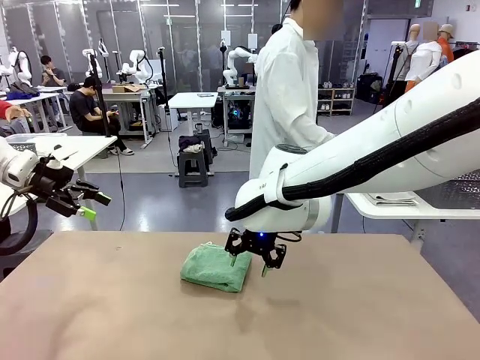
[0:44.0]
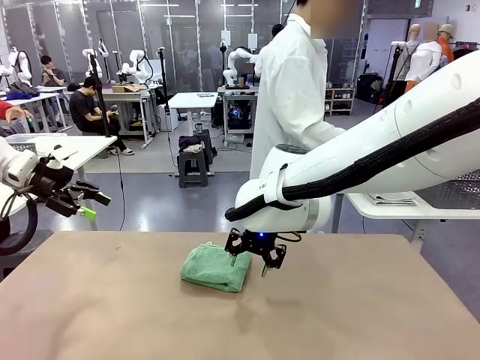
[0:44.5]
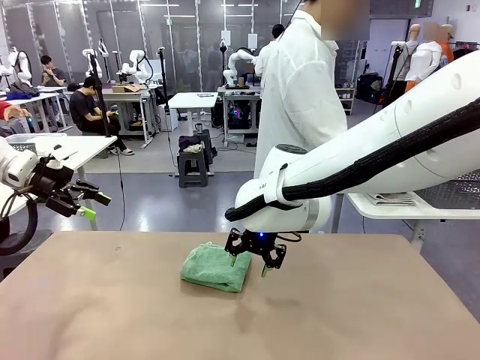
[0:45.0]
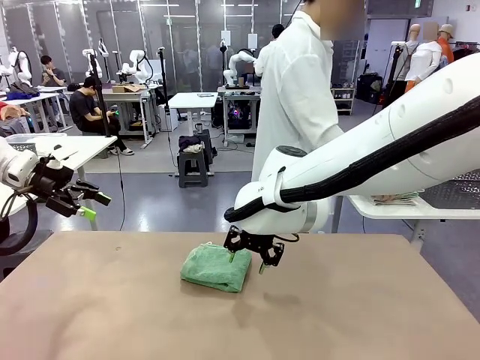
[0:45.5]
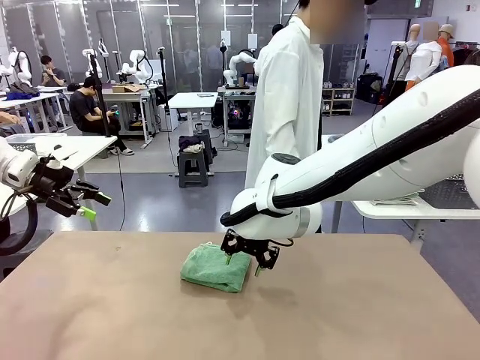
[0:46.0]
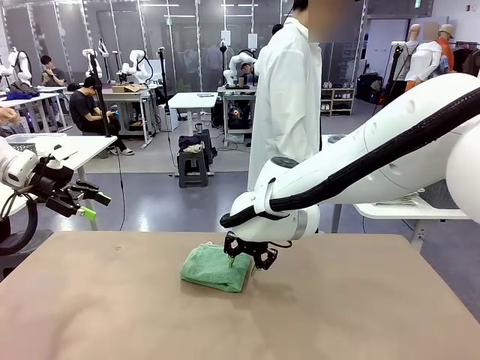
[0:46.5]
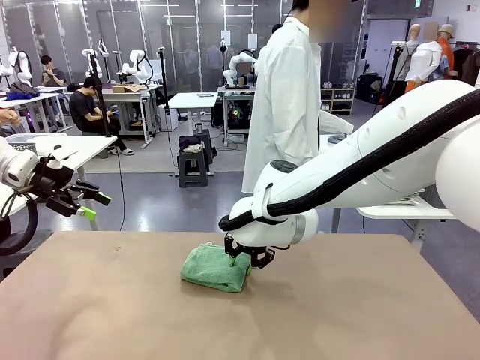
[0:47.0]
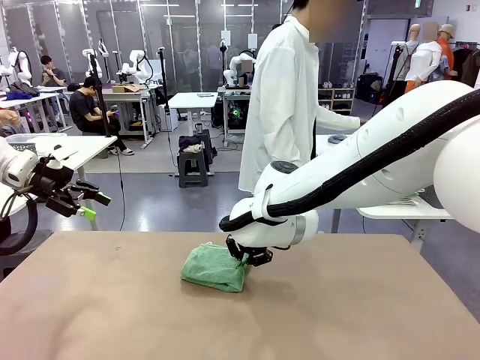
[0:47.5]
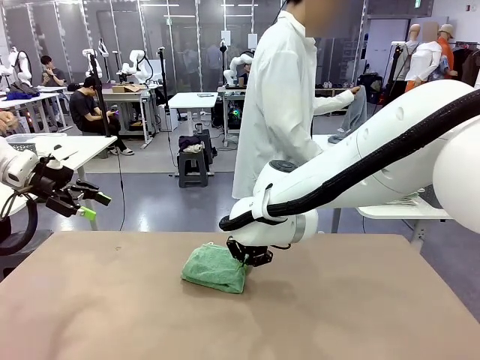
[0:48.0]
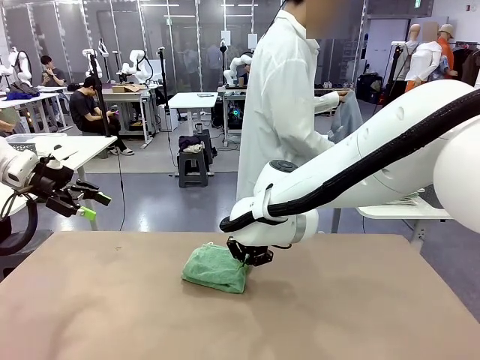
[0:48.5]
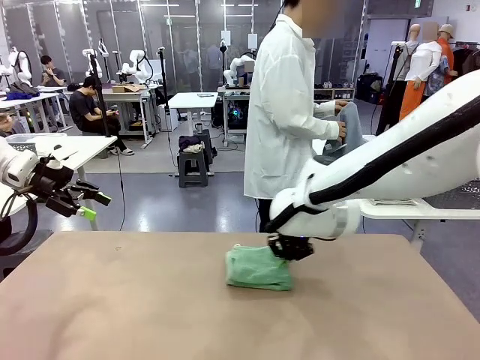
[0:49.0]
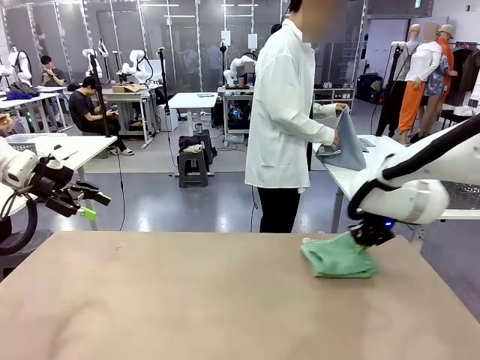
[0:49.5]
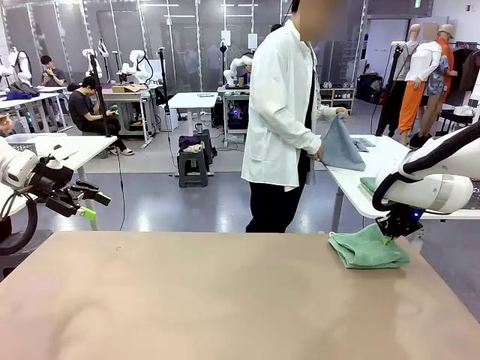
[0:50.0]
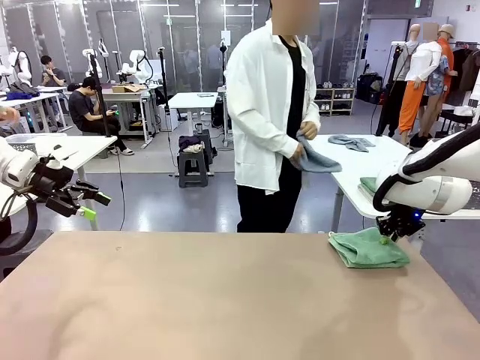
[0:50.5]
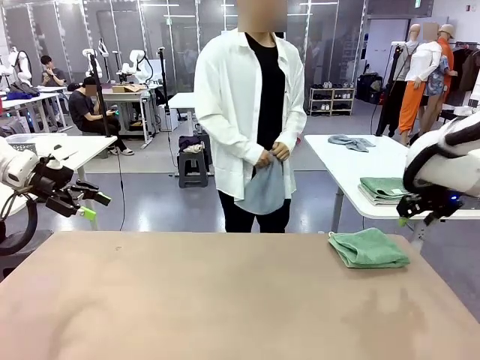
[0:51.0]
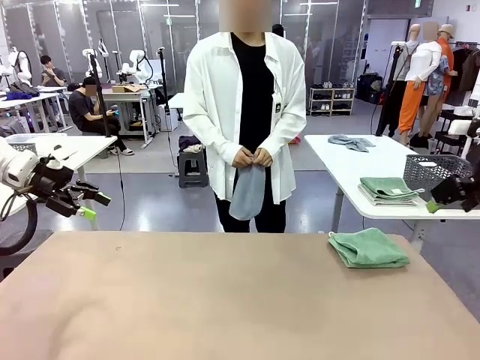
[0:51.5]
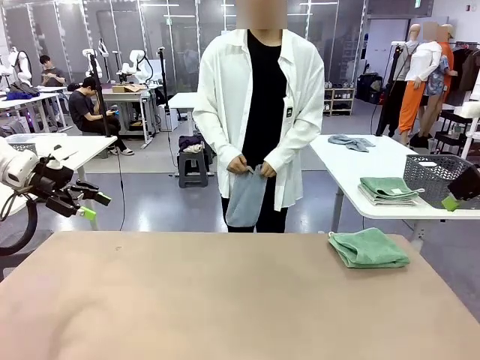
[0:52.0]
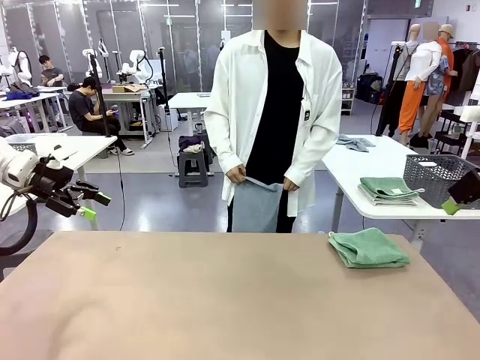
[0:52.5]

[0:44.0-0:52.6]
Task: Fold the towels and place them in the basket.
Robot: Place the folded Towel with hook on the right side of the table.
Person: Pick up one towel from the left side of the human table and spread it out at the center of the robot table.

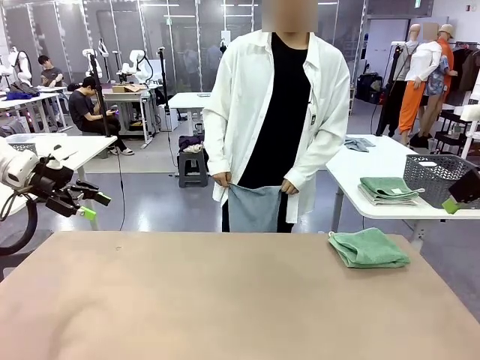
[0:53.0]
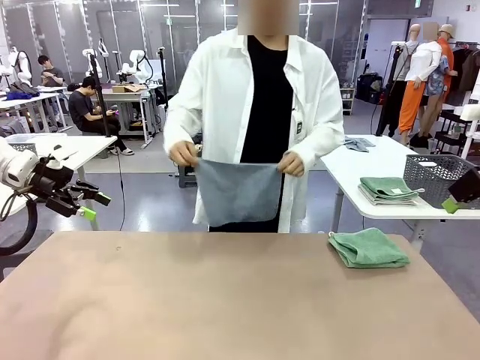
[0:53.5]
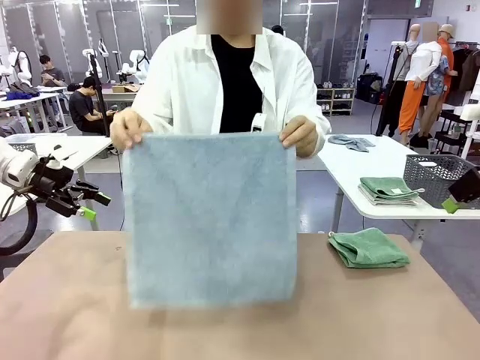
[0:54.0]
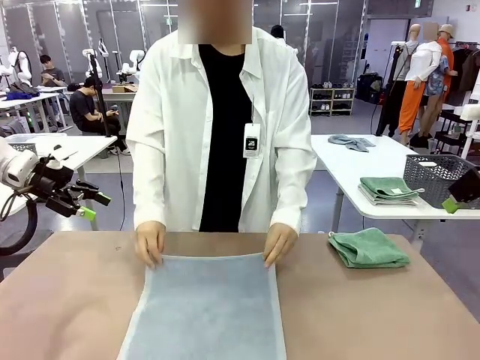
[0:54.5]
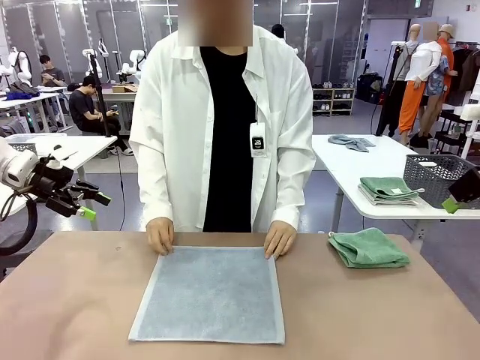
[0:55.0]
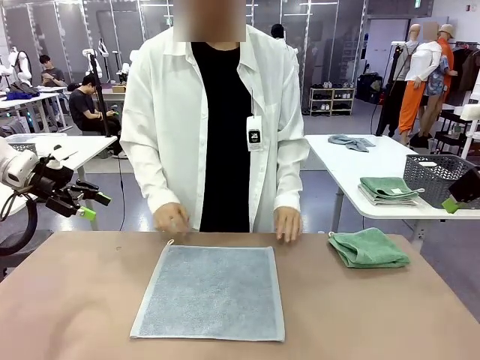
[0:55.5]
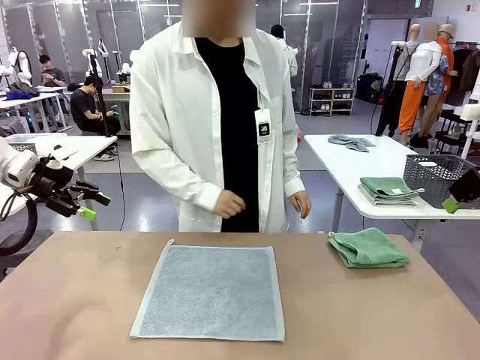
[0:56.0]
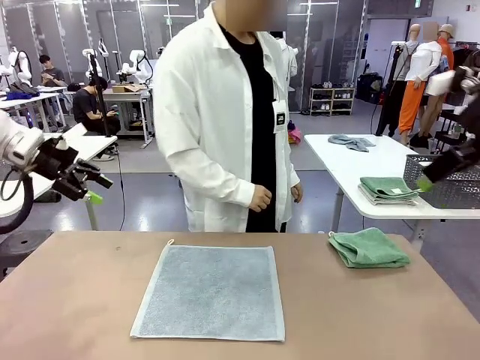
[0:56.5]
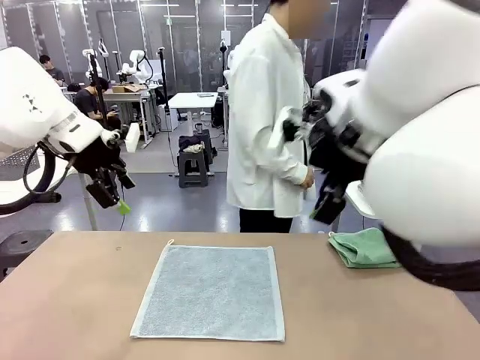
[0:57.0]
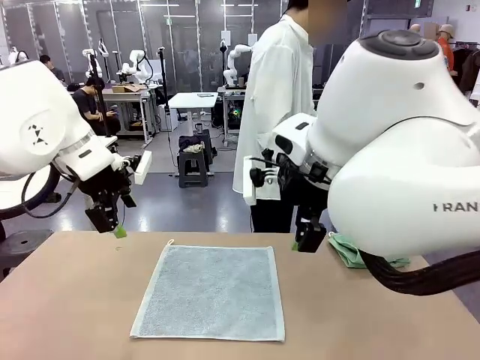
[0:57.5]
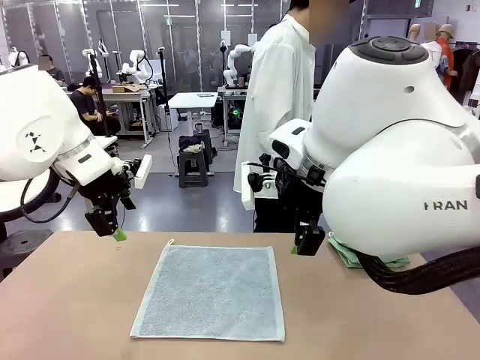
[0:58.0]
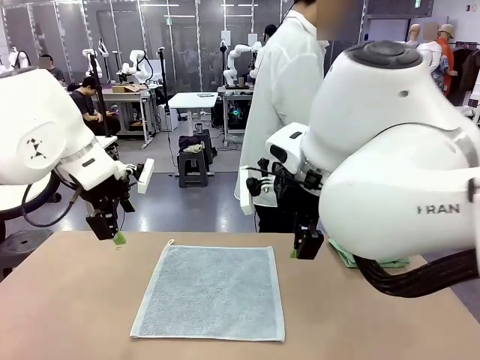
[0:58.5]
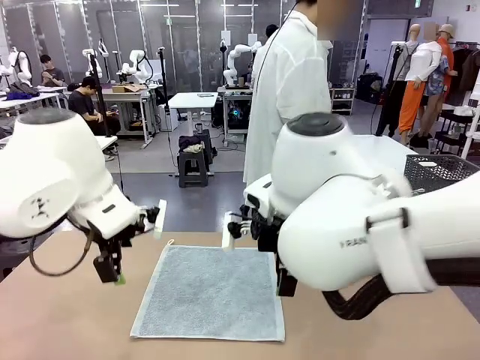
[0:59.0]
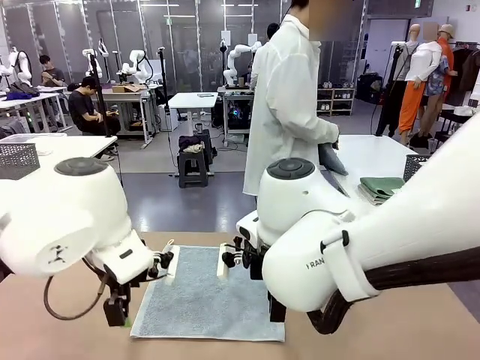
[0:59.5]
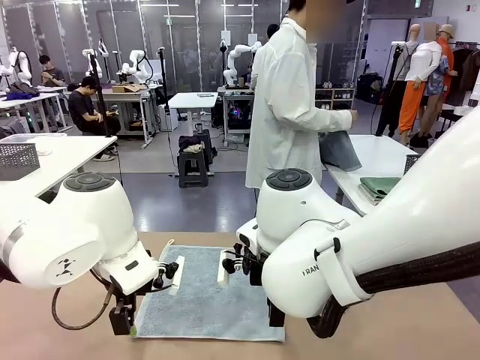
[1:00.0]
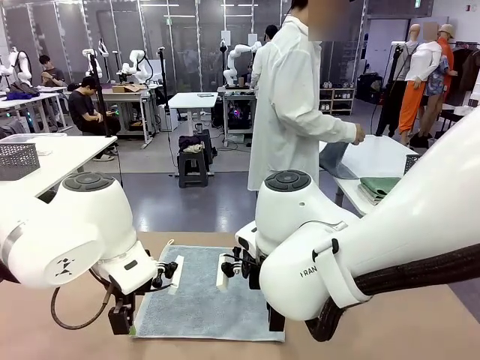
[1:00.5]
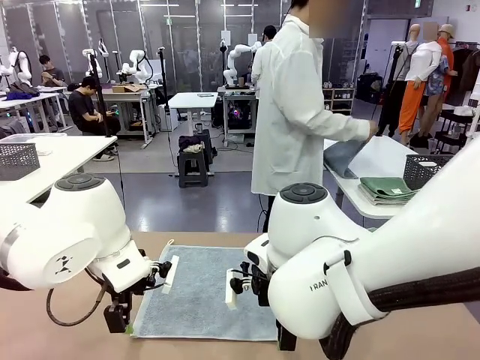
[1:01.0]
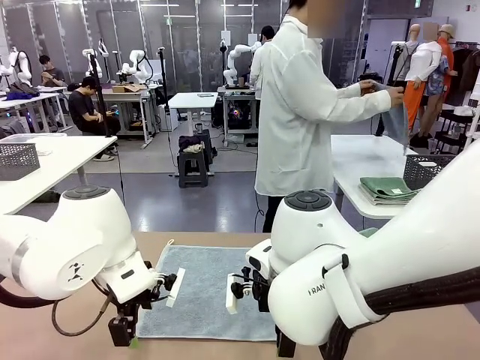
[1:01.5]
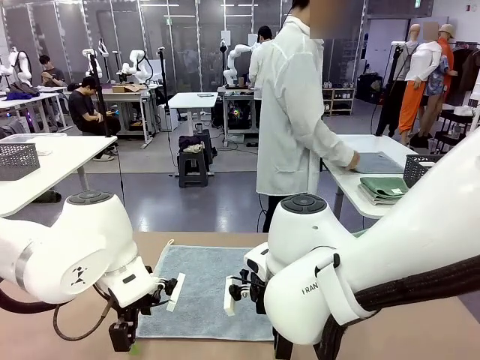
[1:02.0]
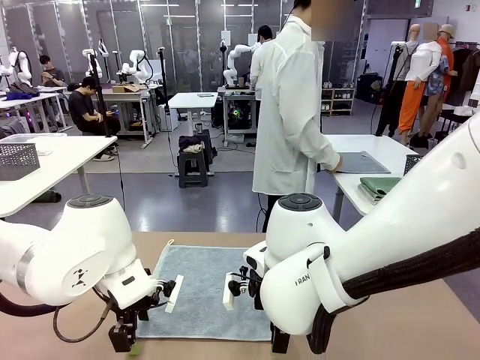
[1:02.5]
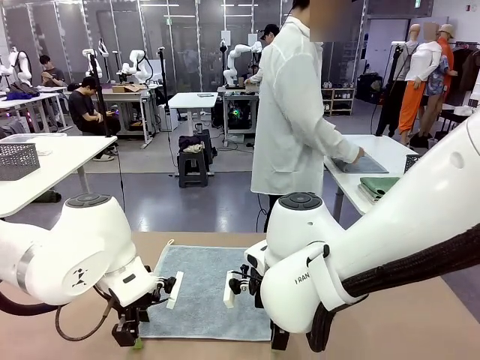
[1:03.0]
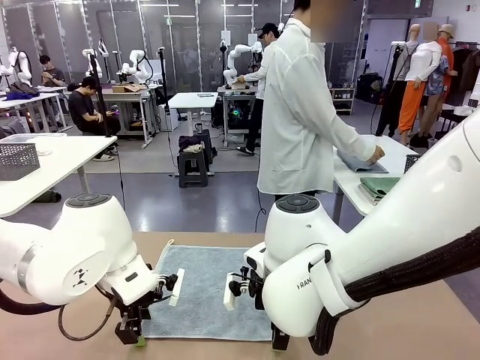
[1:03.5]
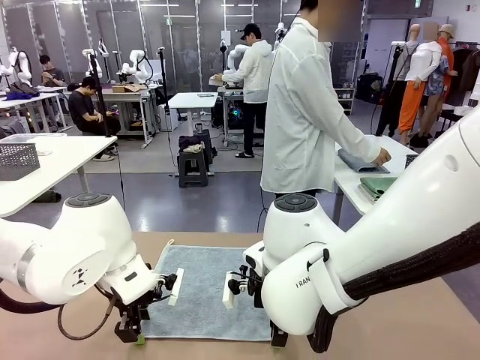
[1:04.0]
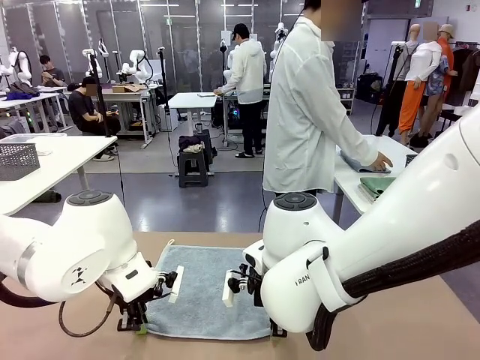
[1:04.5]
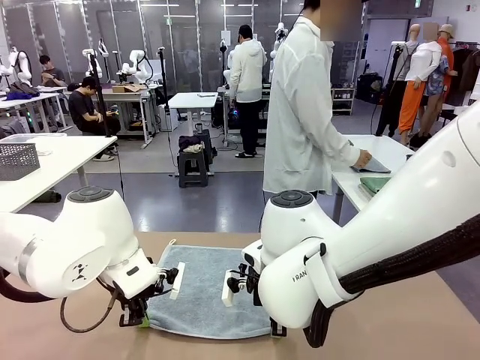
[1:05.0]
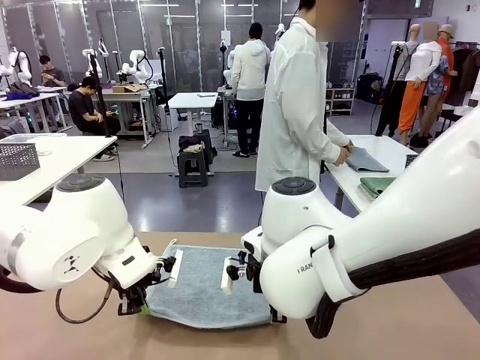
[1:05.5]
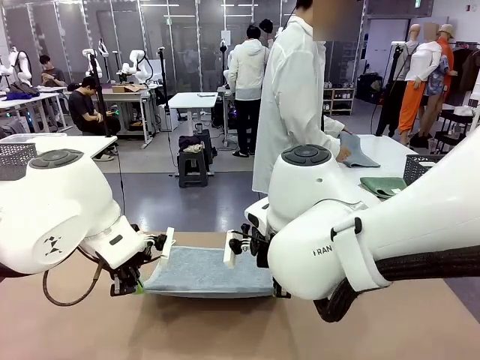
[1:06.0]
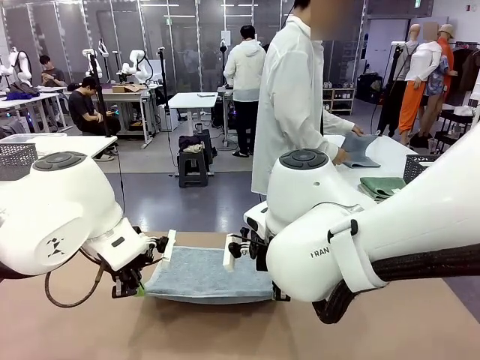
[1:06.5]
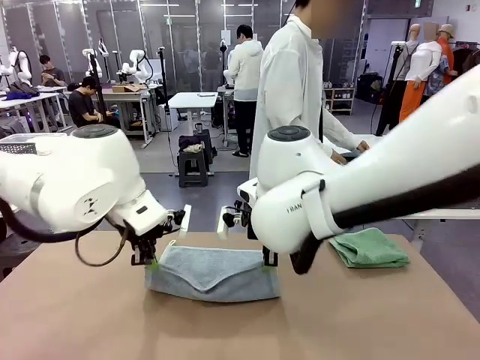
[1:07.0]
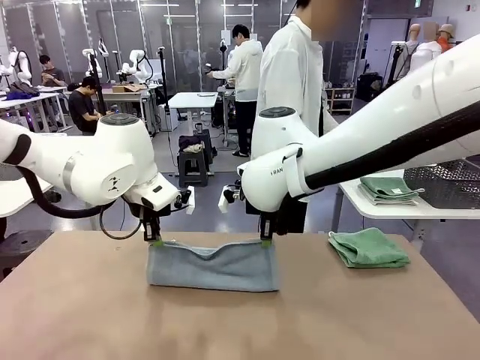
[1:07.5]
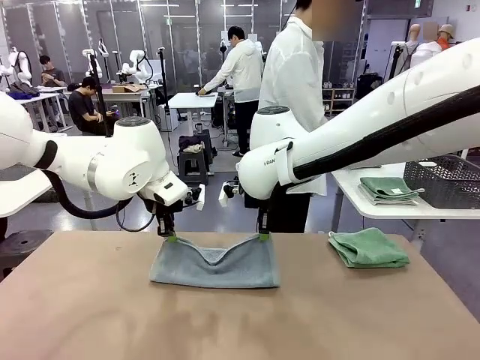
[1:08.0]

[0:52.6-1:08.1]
Robot: When a person lays out a Towel with hook on the table, fold it in half twice.
Person: Pick up one towel from the left side of the human table, fold it in half twice, and stack it on the right side of the table.
